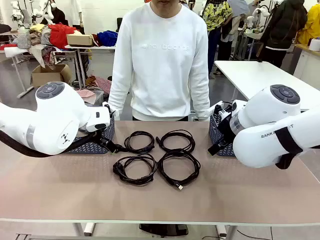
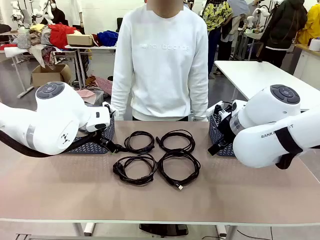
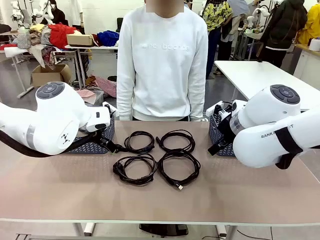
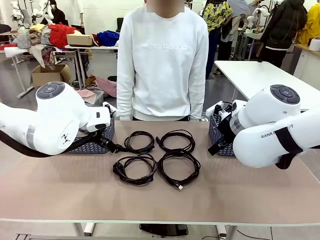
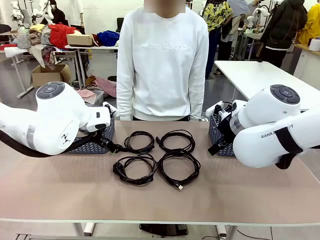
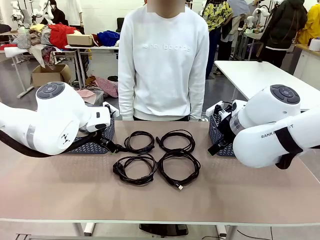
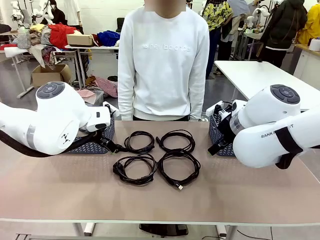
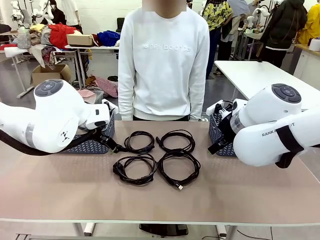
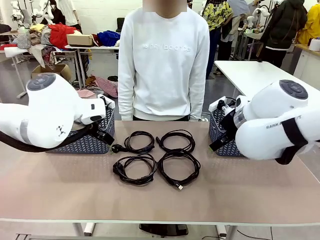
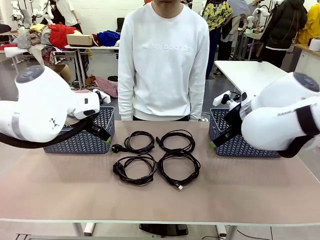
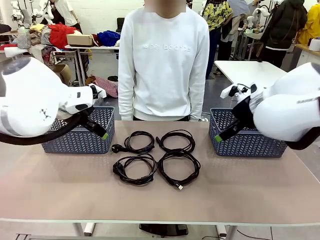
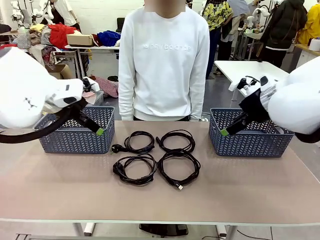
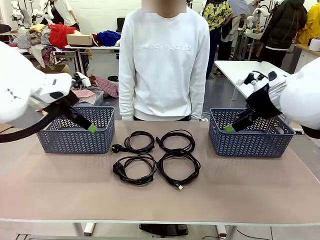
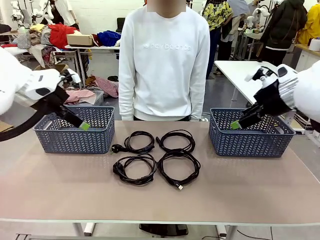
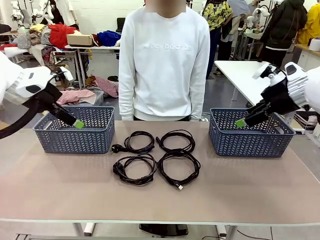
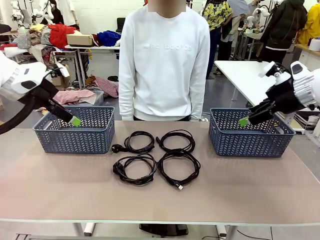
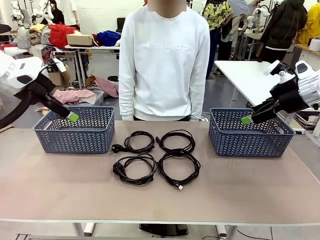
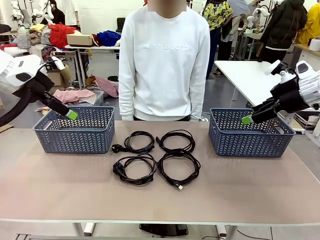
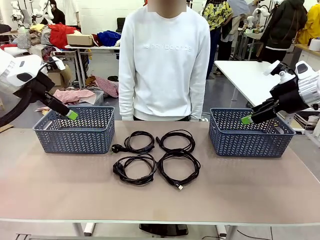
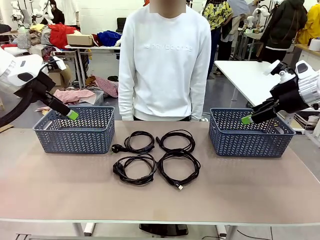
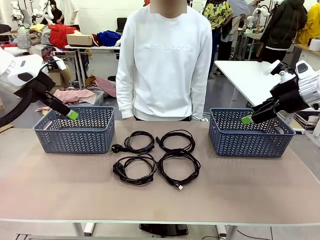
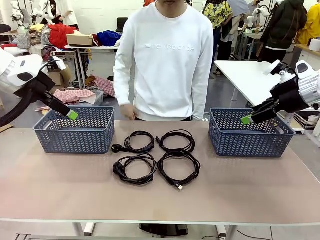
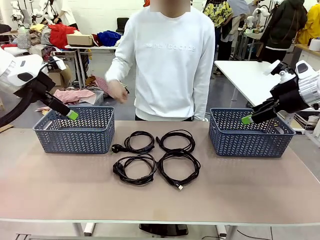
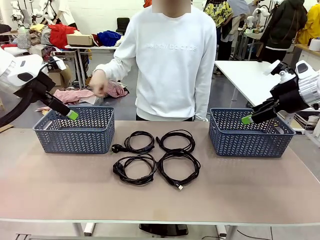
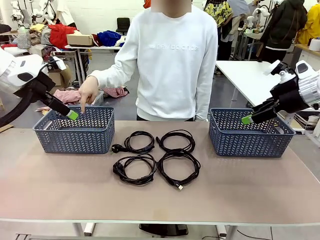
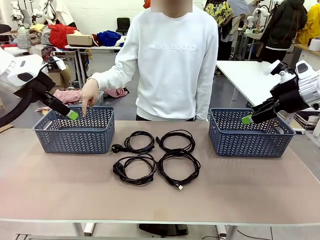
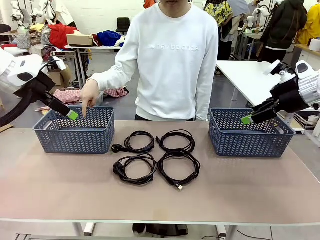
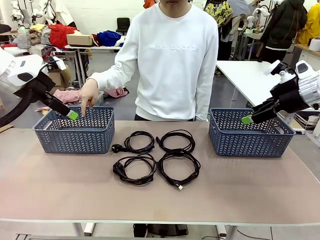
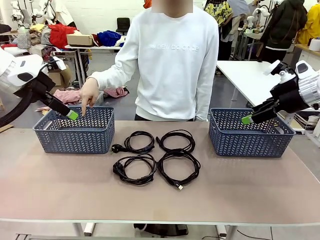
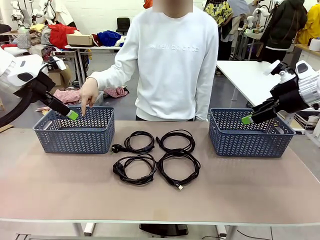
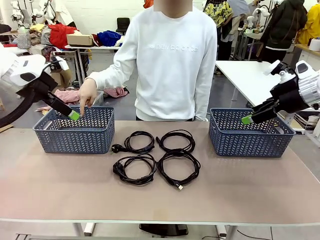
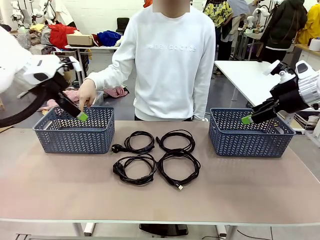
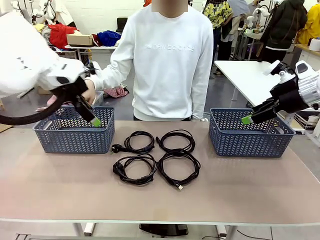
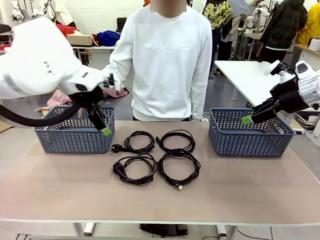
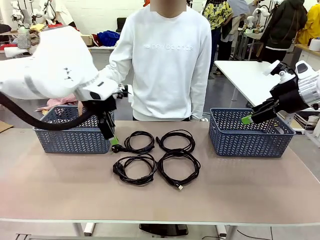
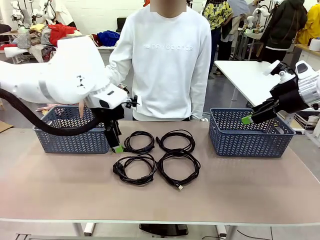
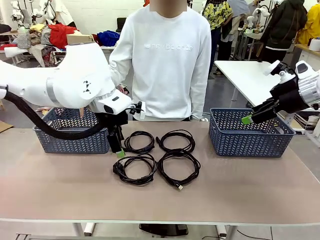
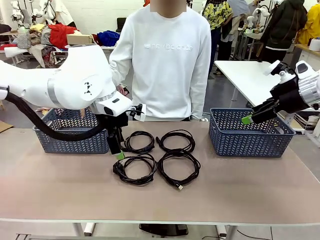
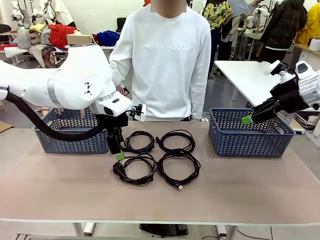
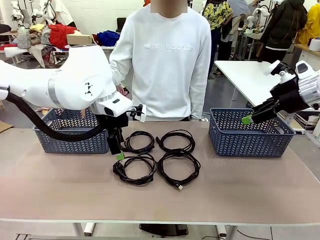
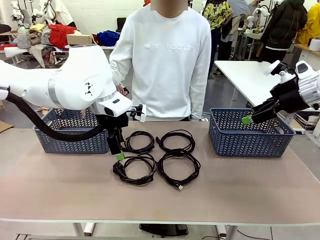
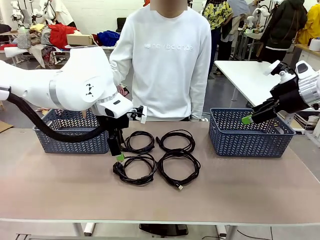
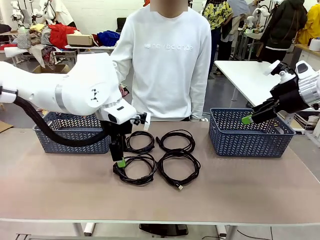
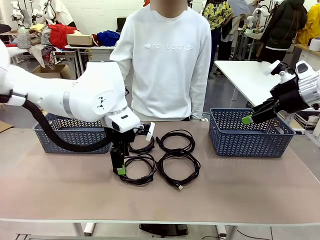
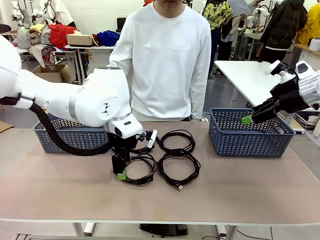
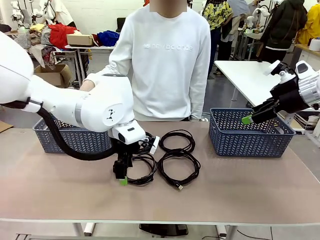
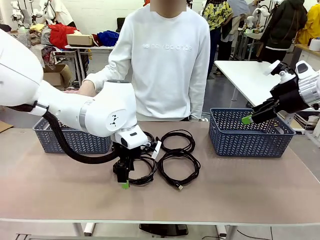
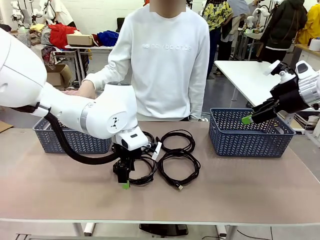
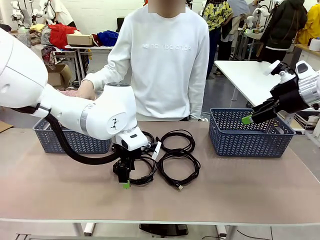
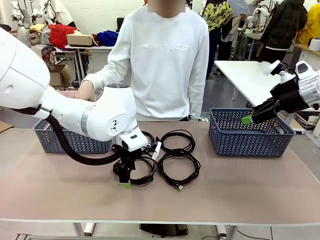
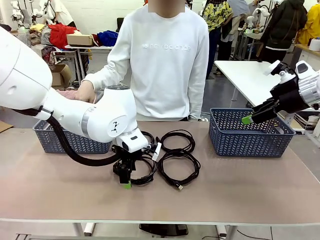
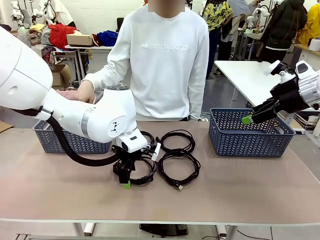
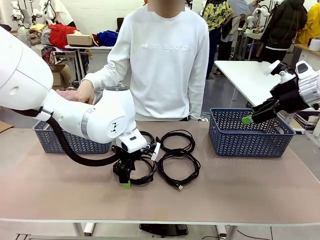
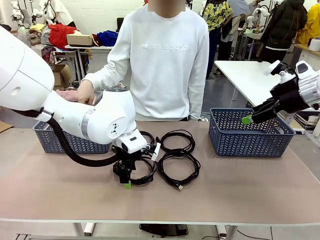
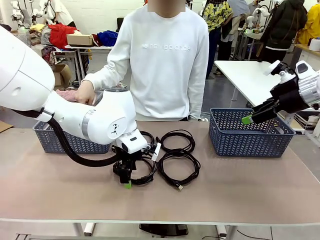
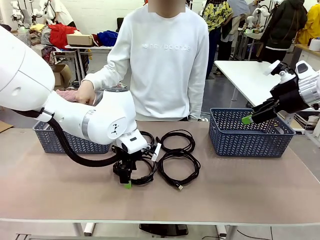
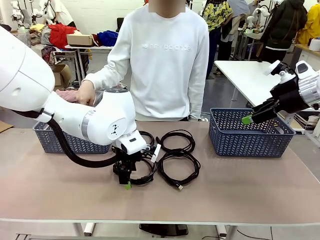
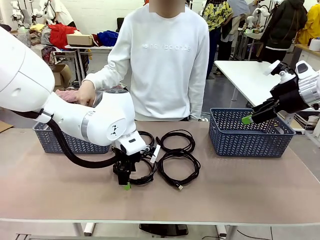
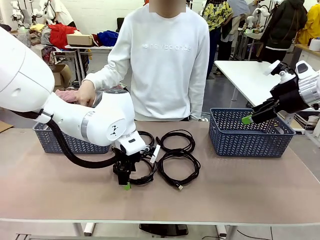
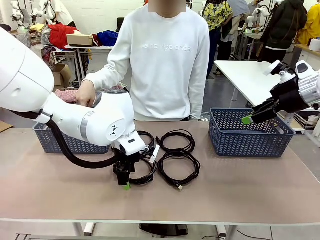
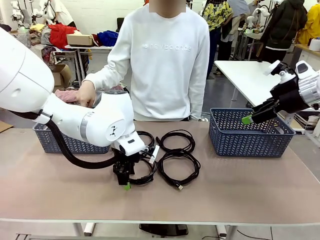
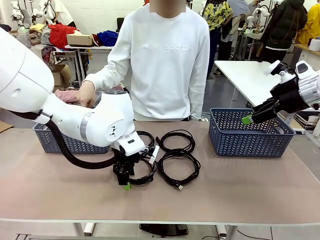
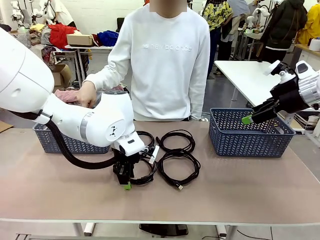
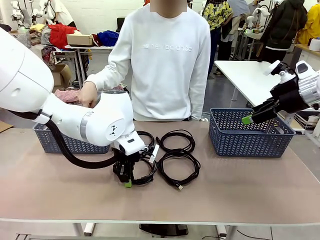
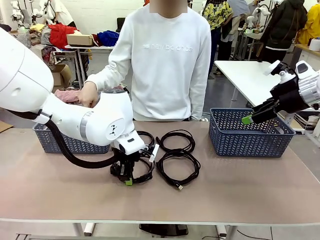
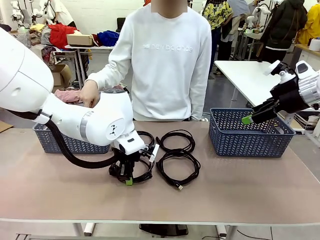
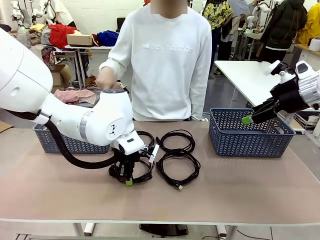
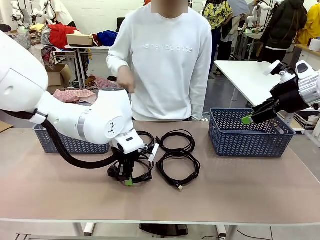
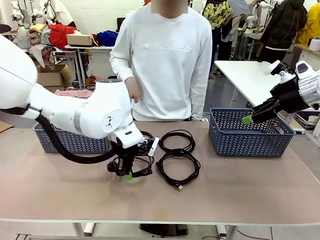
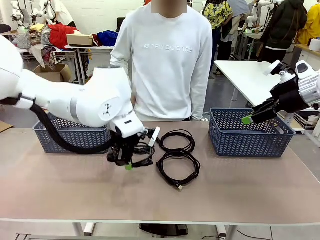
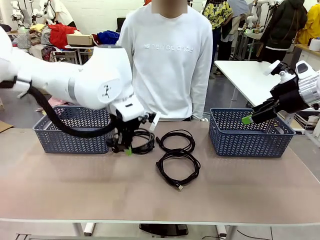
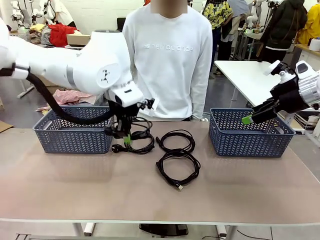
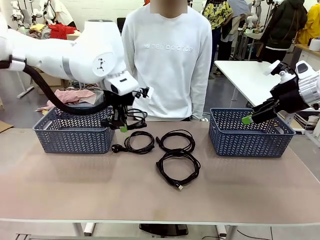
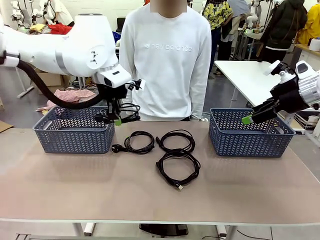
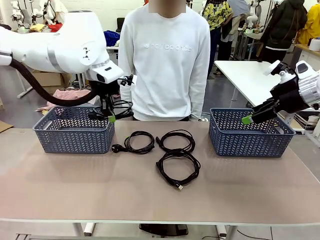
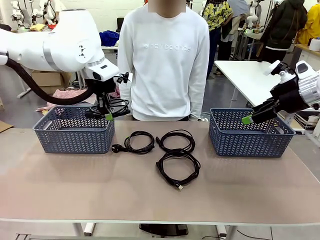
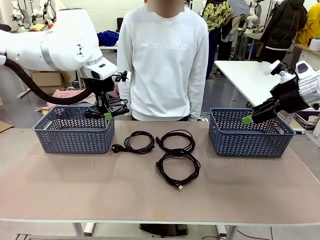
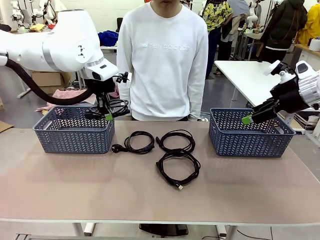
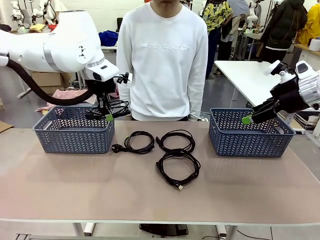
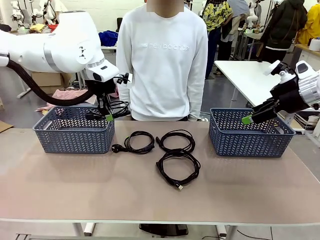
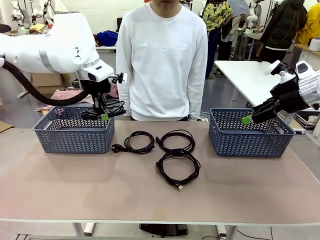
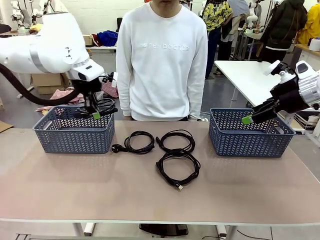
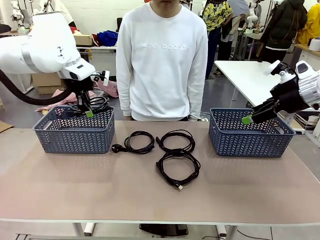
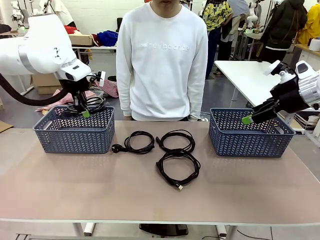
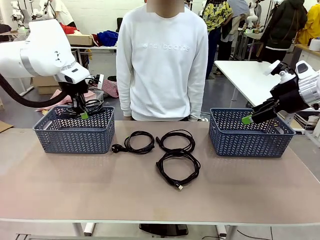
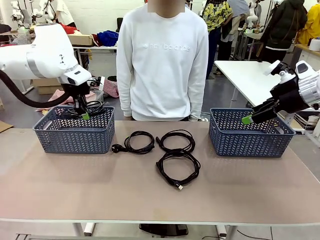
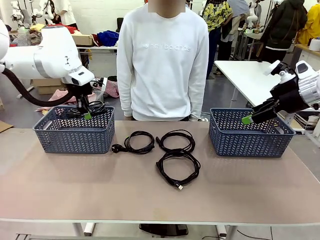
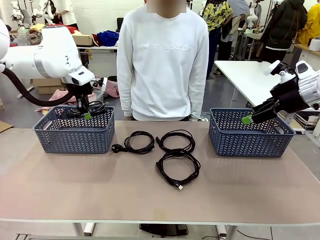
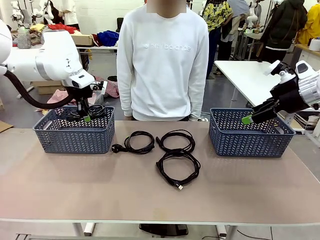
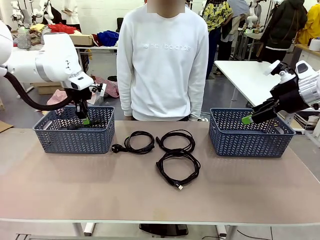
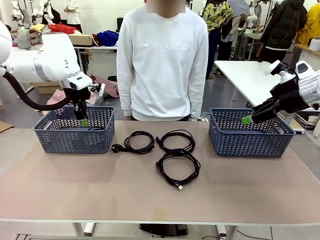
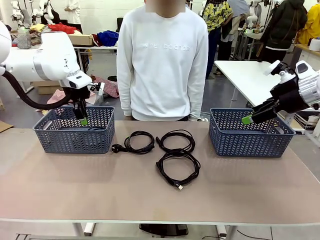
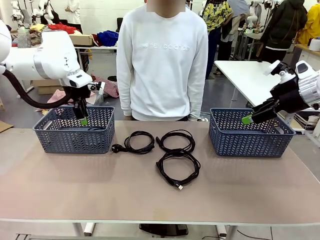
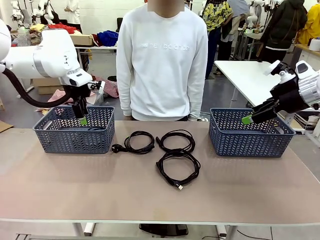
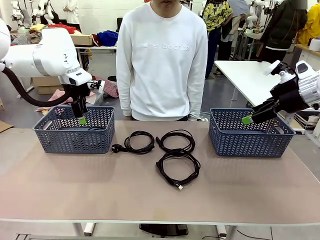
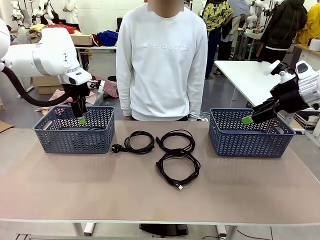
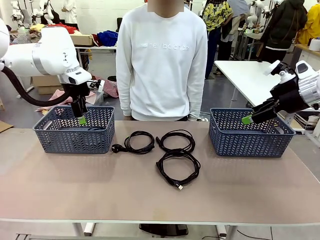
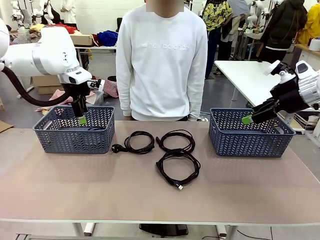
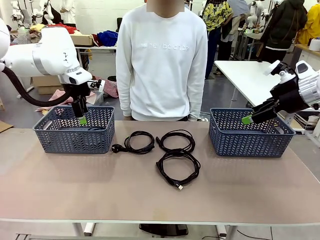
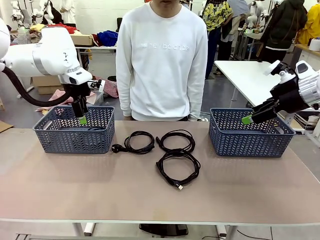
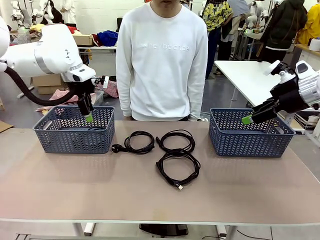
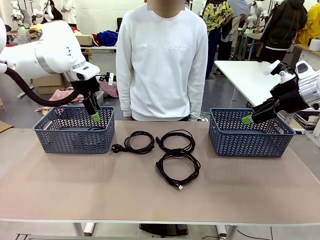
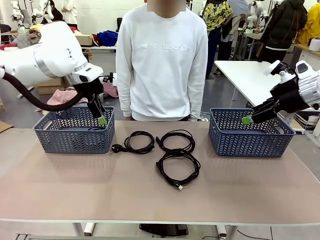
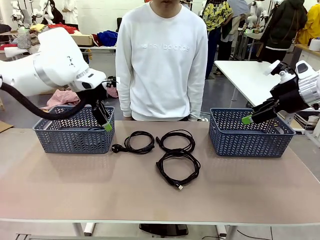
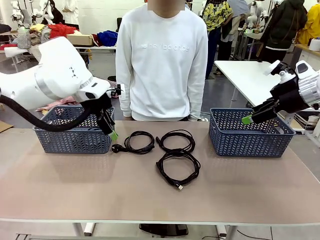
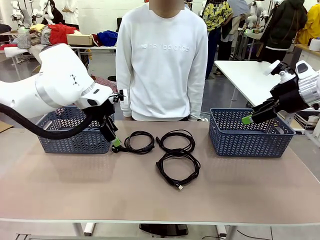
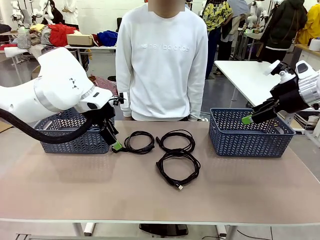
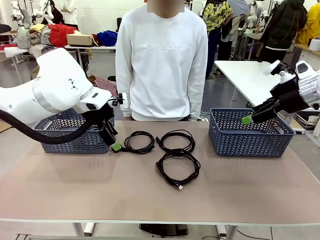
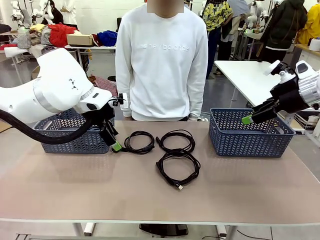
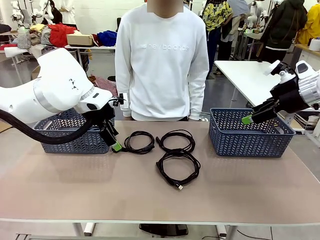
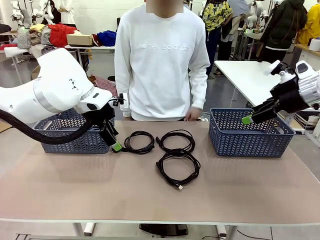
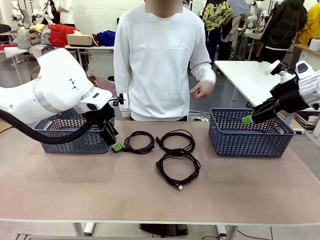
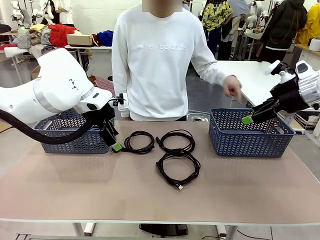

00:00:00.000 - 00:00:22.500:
Task: Organize the cables according to human instructions.
Robot: Pick up a bundle of cables and place it in the basket indicated by the human.
